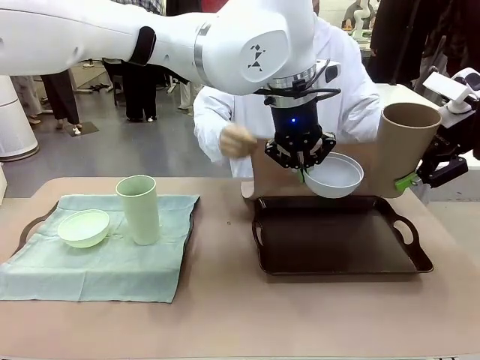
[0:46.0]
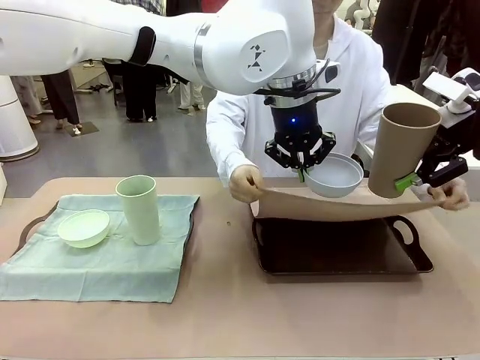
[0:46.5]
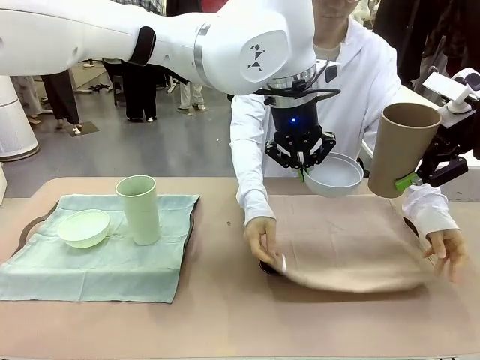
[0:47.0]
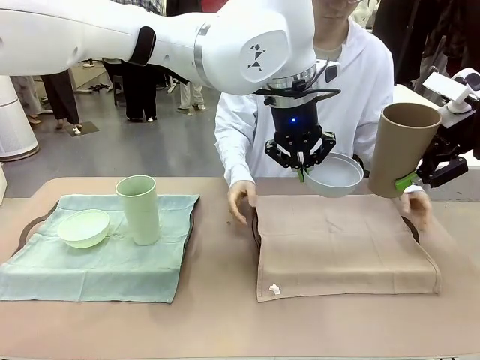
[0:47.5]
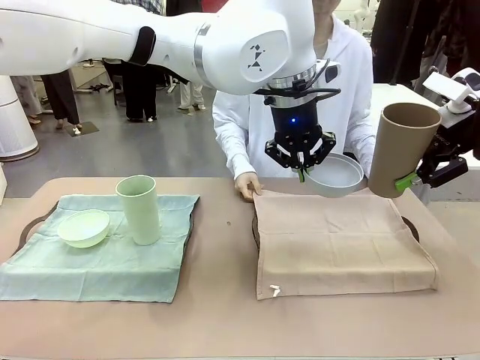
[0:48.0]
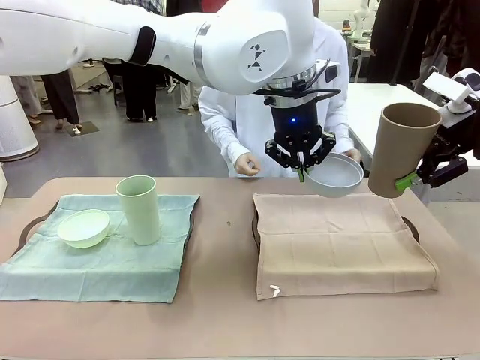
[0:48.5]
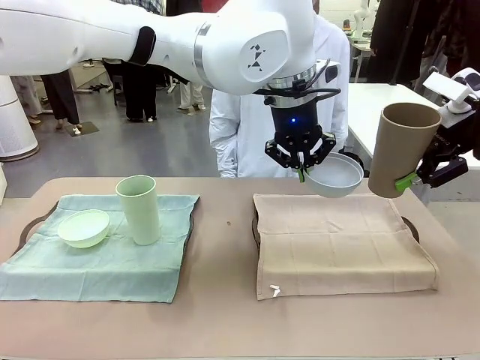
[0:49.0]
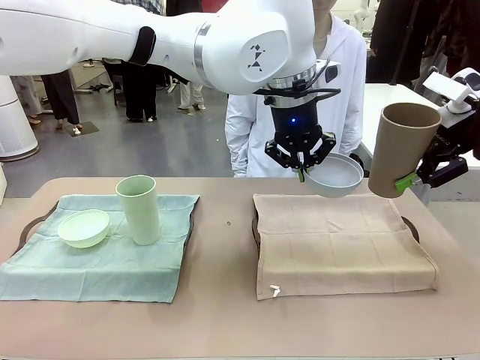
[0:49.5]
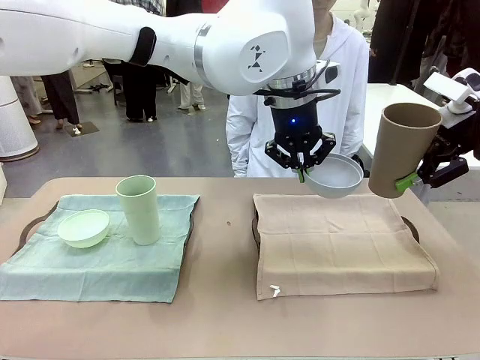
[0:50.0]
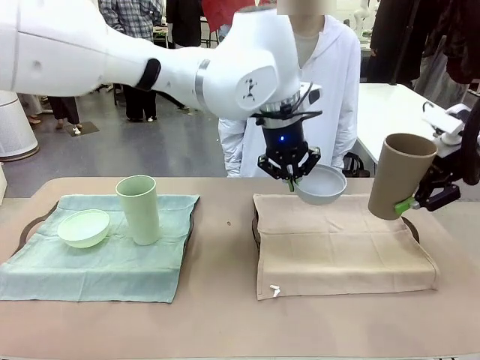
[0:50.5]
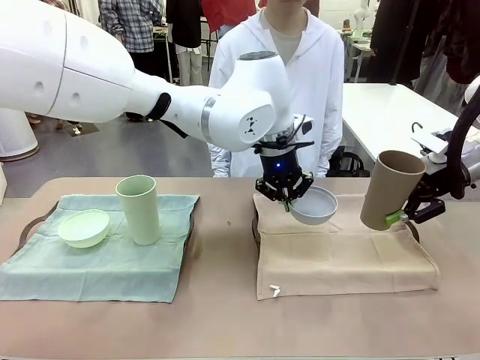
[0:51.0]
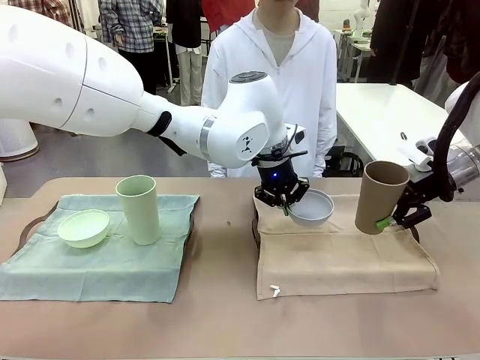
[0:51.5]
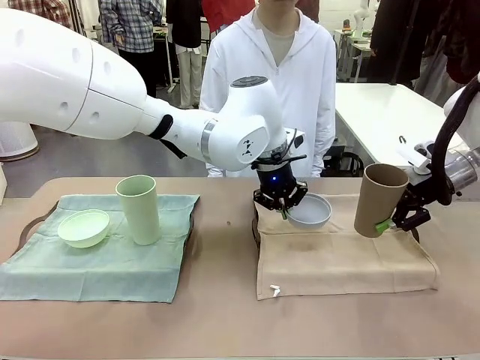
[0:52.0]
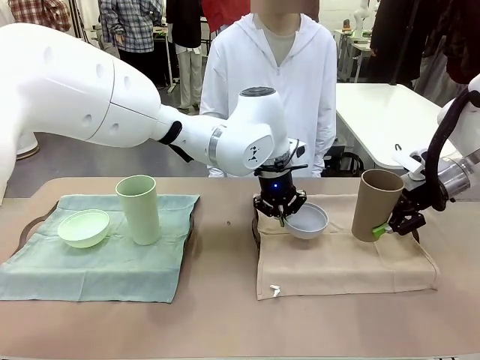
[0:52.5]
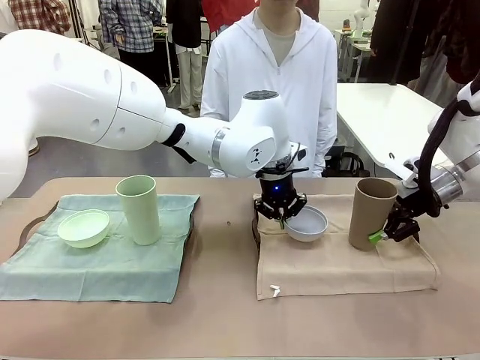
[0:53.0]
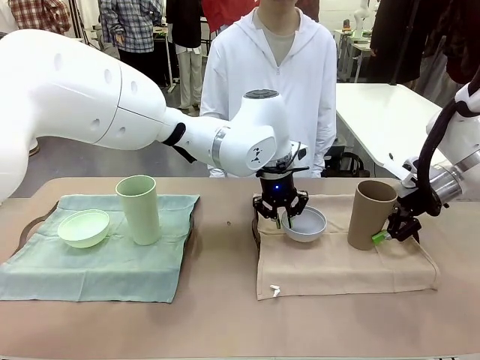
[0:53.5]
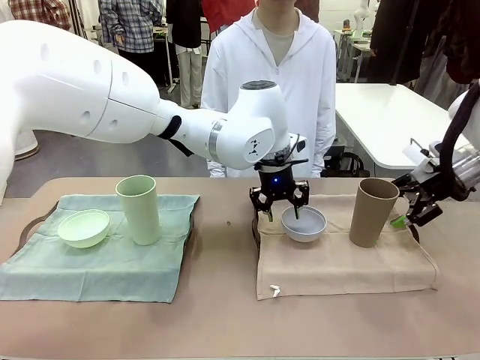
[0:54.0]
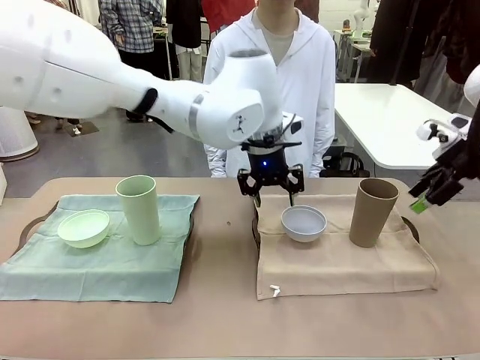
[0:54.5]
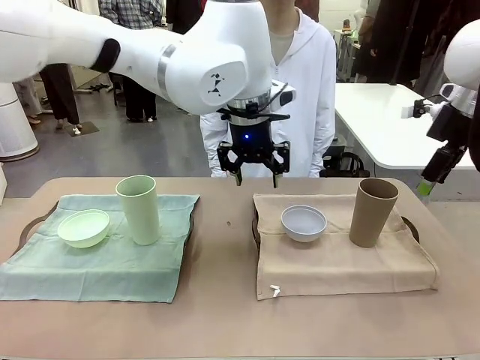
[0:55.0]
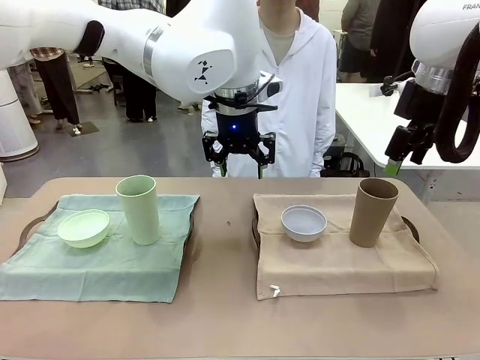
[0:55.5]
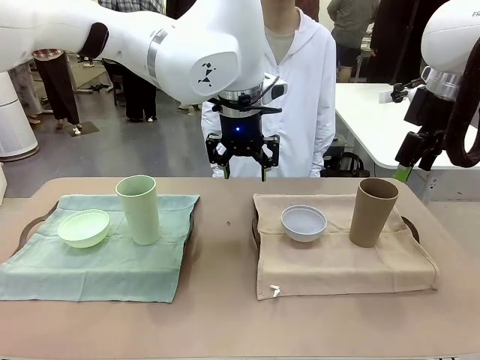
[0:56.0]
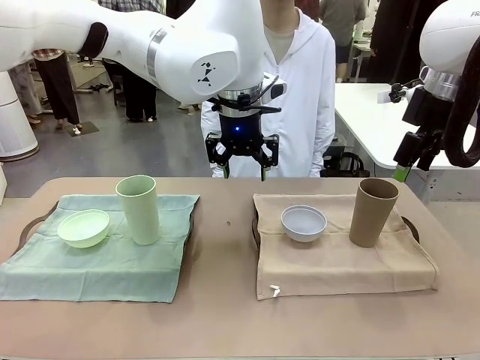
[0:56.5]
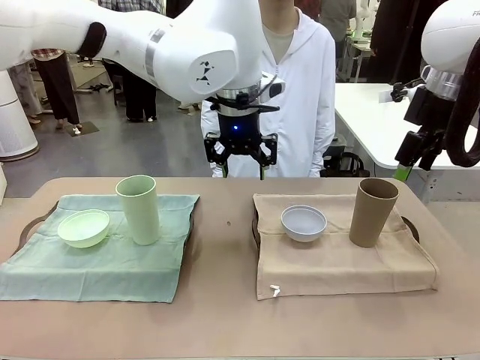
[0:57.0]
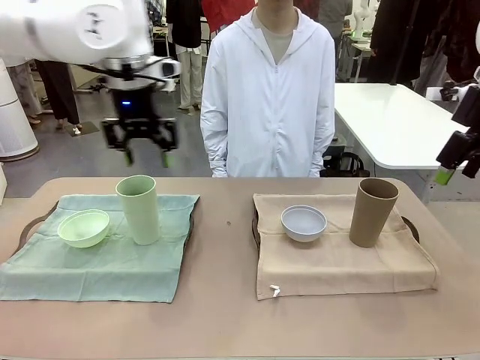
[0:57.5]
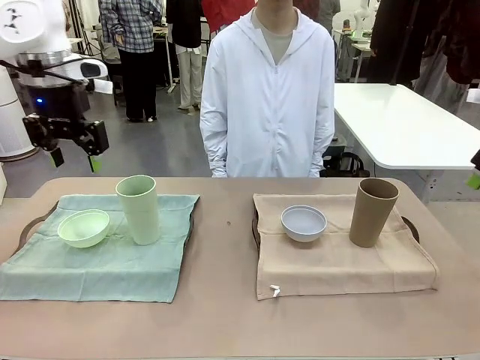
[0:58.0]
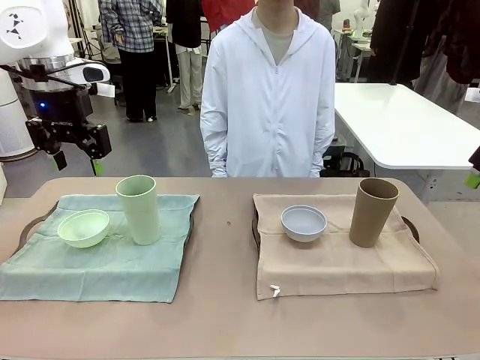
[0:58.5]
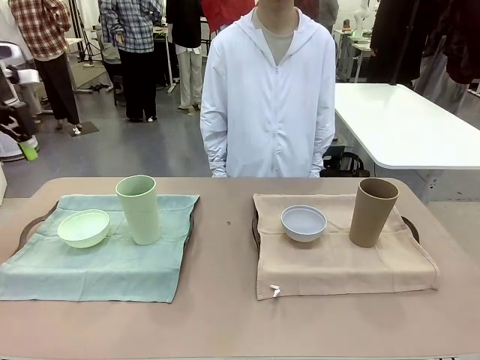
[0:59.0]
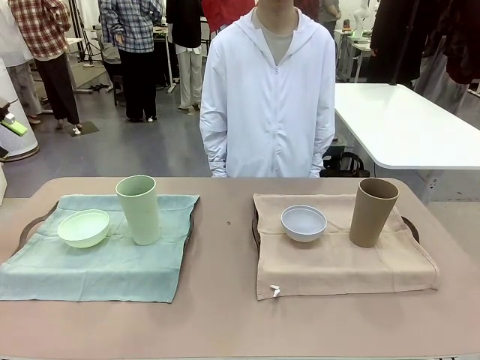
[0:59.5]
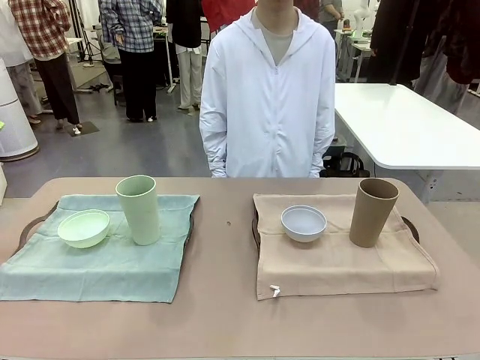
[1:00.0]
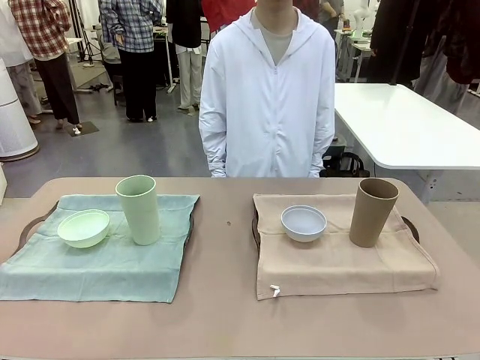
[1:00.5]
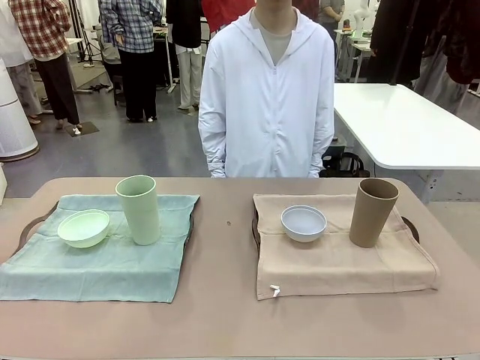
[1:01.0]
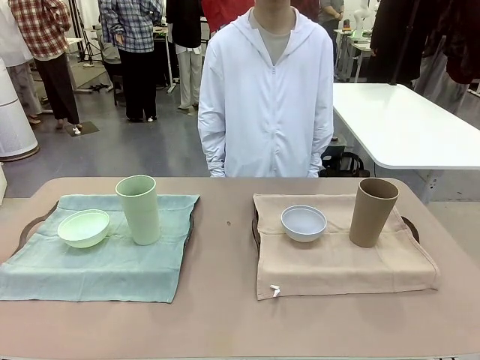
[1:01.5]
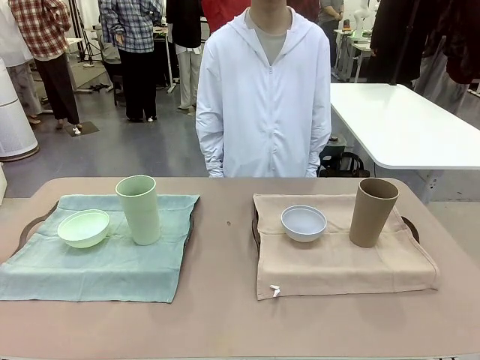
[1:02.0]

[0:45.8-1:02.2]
Robot: Place the Picnic Bowl and Reusable plastic cup back onto the Handle tray in front of the human's position.
Person: When the robot lifts the bowl and the cup, the human unfolds the napkin and lays the napkin flat on the tray.

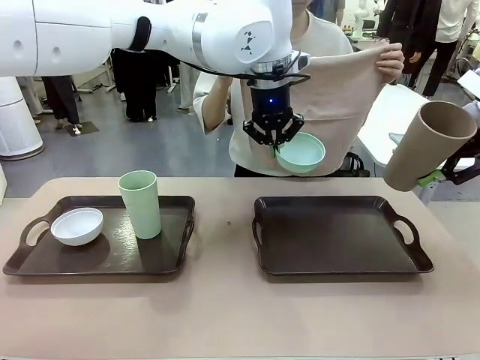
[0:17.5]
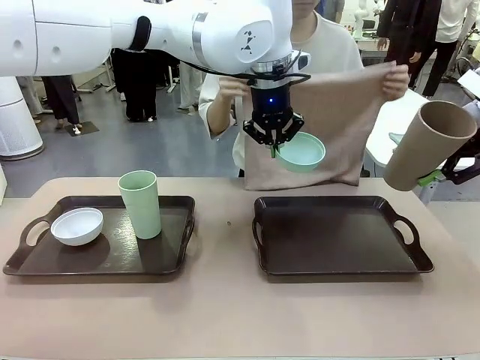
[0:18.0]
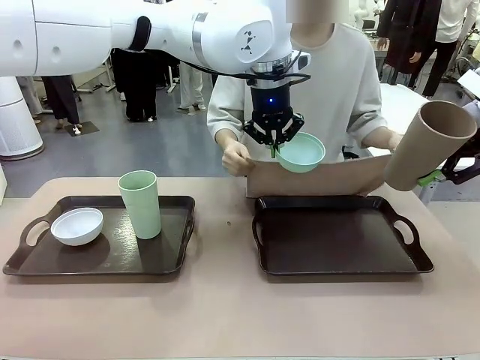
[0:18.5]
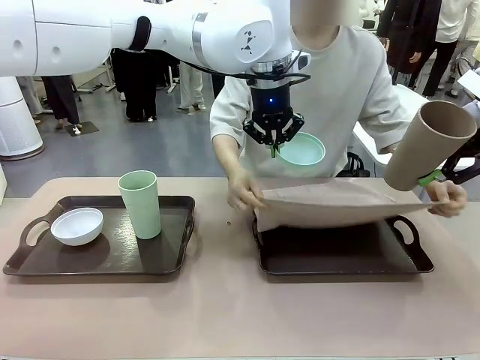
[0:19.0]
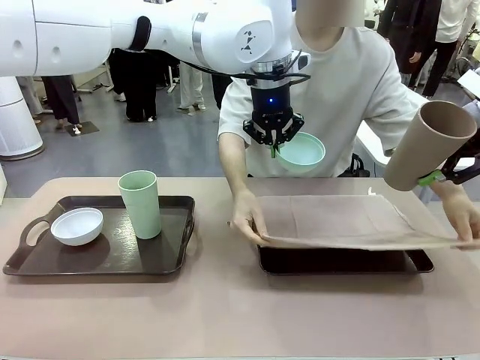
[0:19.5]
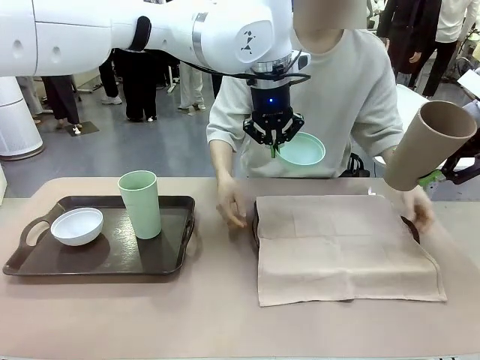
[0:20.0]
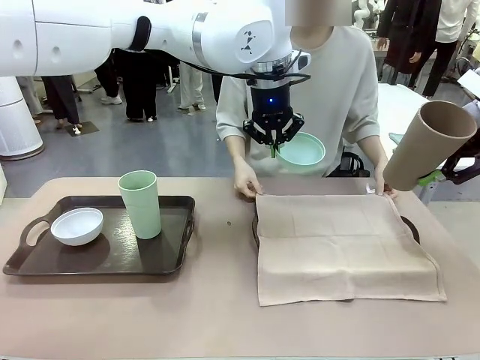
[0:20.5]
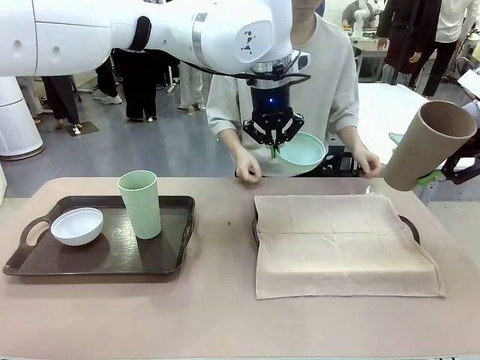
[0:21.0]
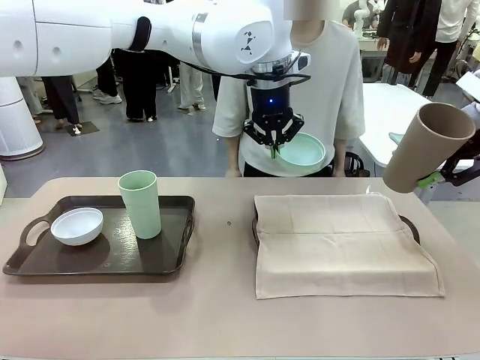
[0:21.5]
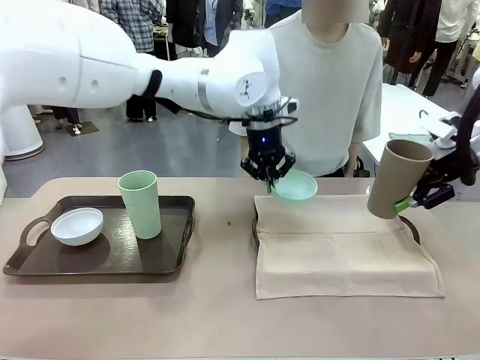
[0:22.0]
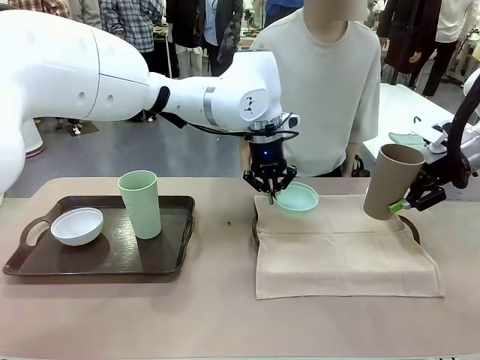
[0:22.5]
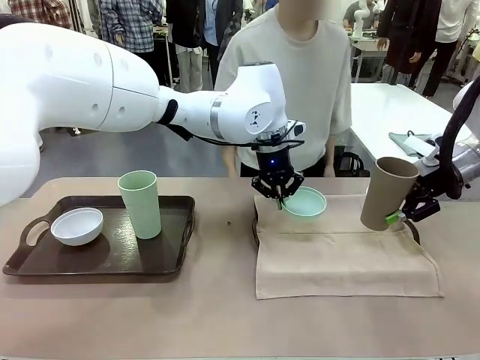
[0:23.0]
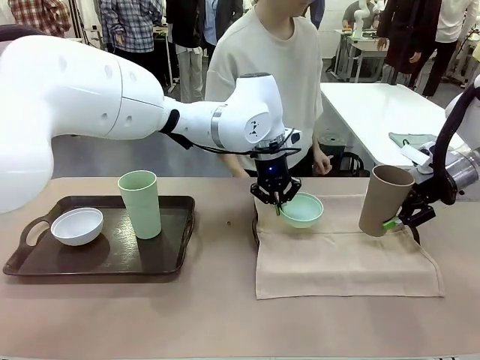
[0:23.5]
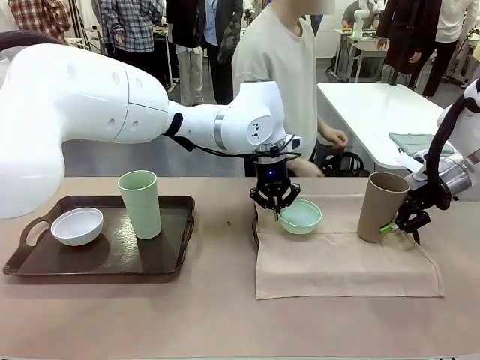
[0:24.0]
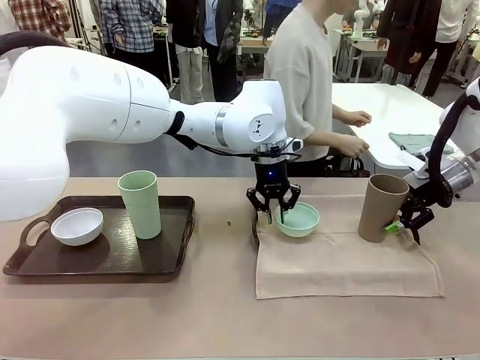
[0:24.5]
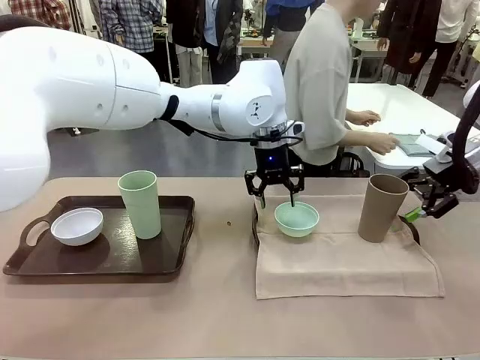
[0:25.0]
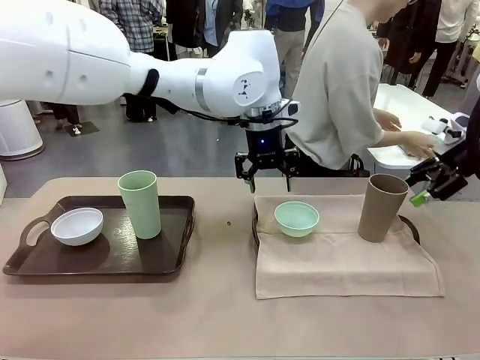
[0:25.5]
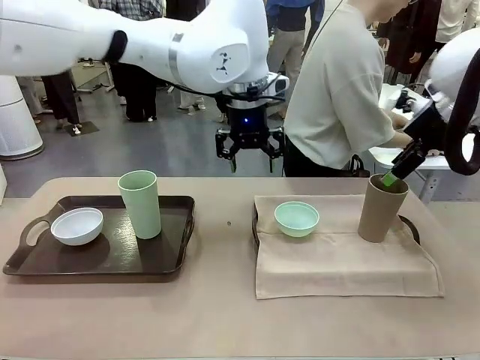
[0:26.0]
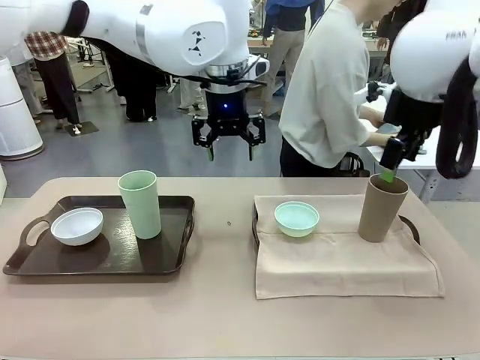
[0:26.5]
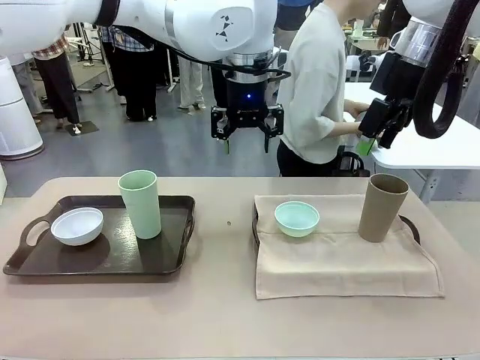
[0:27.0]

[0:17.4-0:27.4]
Robot: Place the Picnic Bowl and Reusable plastic cup back onto the Handle tray in front of the human's position.
Person: The human returns to the human table to pick up another napkin and walks to the robot table to stand in front of the tray without a napkin.
